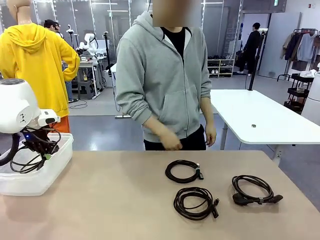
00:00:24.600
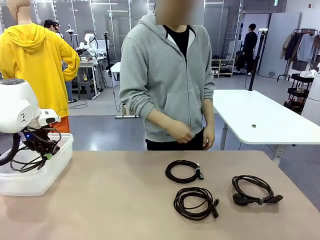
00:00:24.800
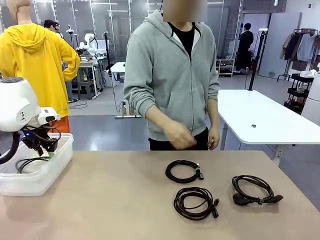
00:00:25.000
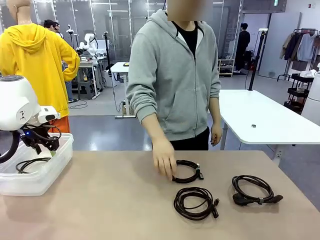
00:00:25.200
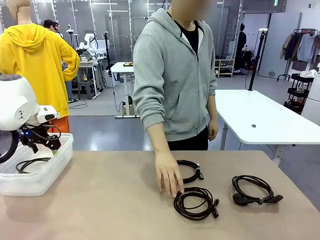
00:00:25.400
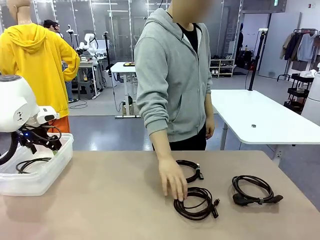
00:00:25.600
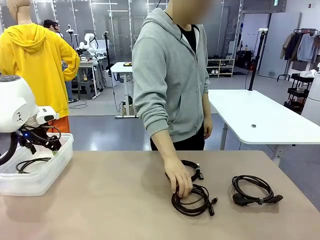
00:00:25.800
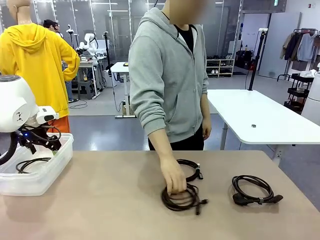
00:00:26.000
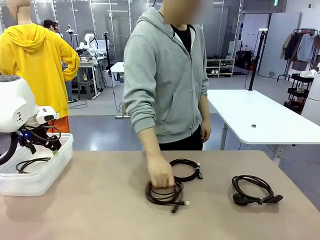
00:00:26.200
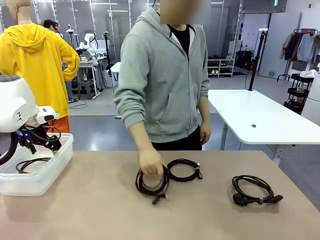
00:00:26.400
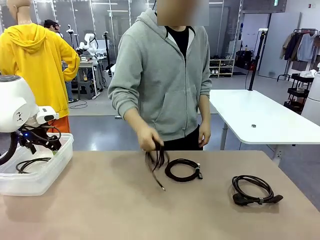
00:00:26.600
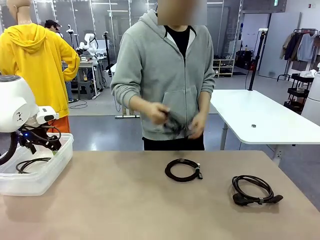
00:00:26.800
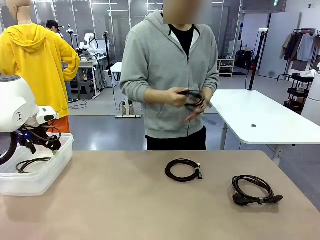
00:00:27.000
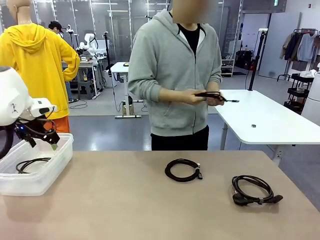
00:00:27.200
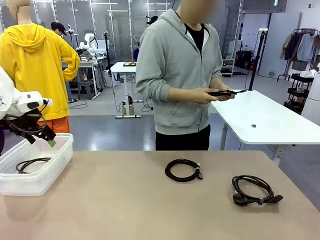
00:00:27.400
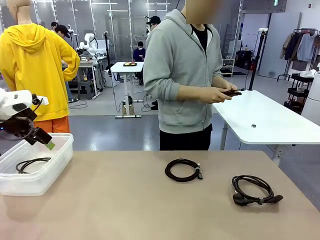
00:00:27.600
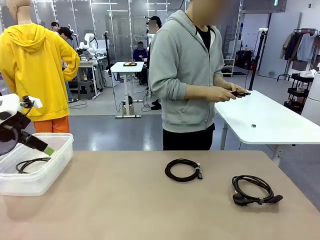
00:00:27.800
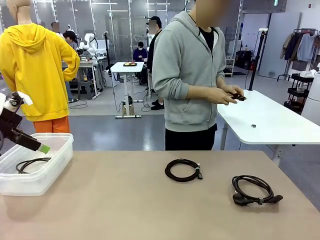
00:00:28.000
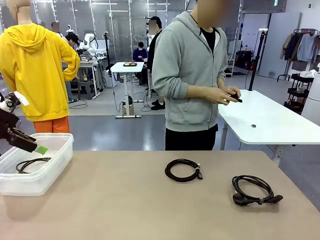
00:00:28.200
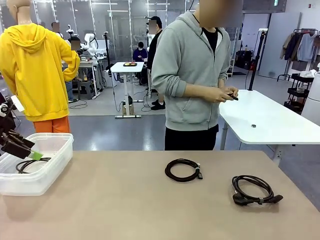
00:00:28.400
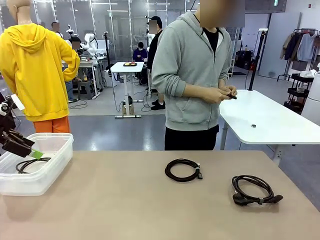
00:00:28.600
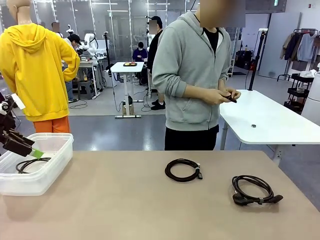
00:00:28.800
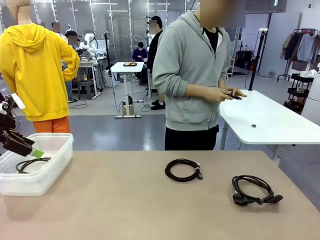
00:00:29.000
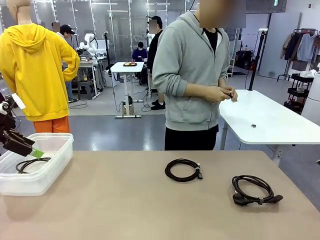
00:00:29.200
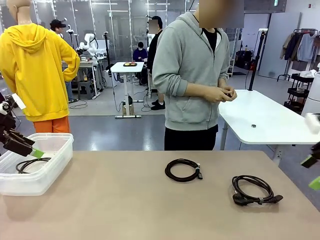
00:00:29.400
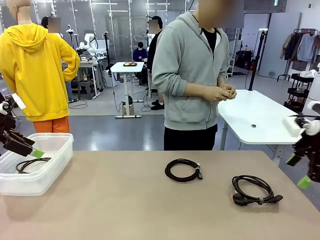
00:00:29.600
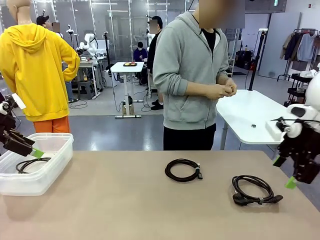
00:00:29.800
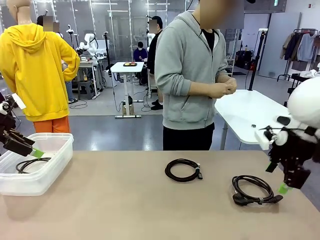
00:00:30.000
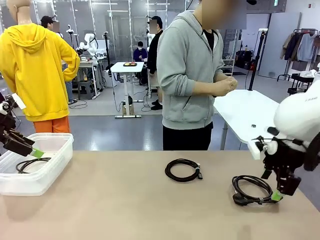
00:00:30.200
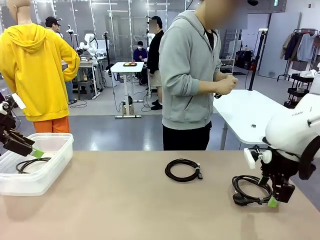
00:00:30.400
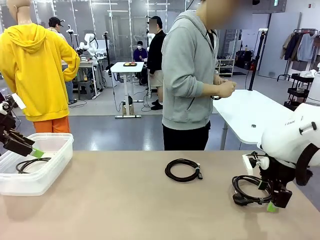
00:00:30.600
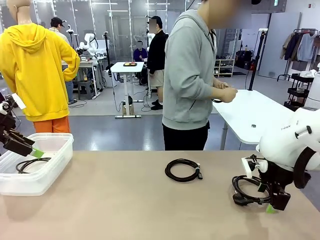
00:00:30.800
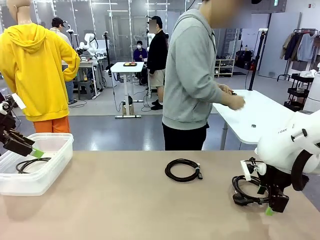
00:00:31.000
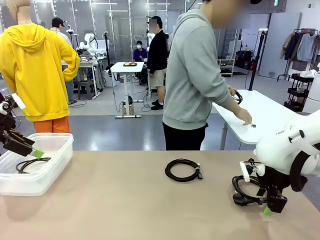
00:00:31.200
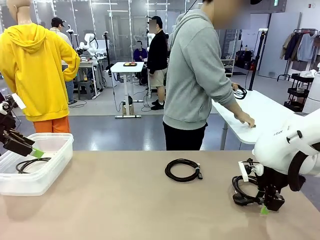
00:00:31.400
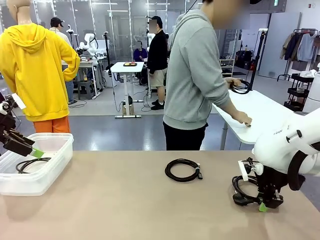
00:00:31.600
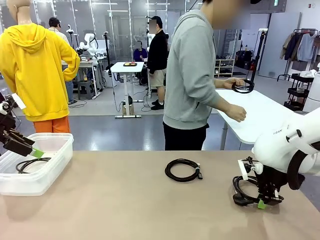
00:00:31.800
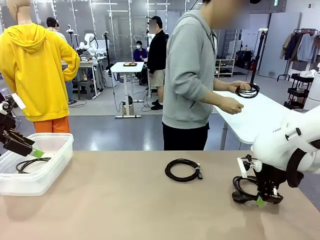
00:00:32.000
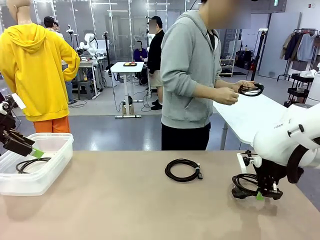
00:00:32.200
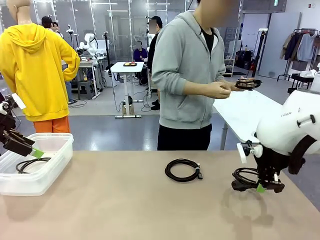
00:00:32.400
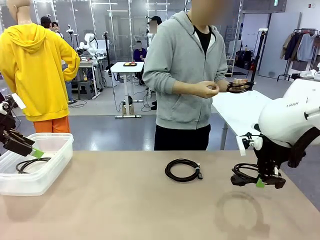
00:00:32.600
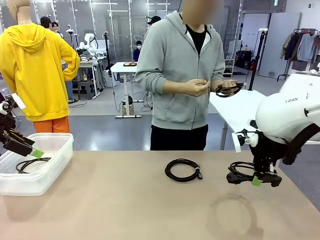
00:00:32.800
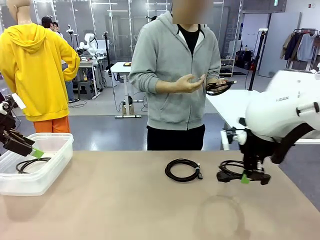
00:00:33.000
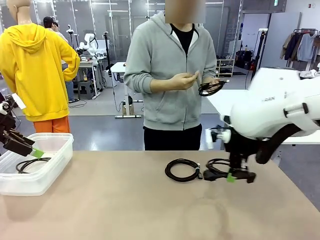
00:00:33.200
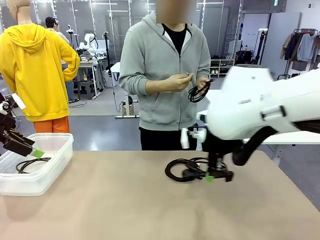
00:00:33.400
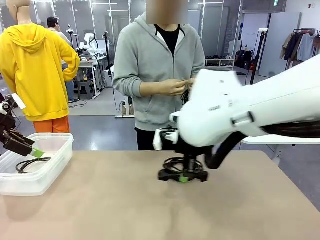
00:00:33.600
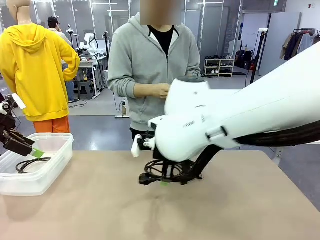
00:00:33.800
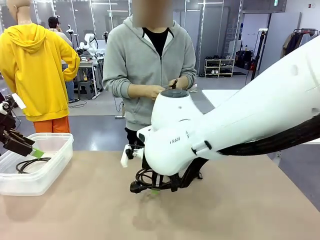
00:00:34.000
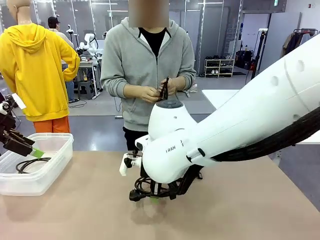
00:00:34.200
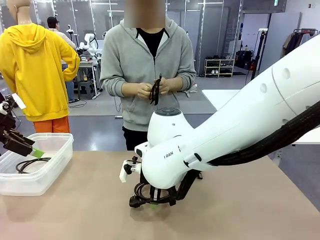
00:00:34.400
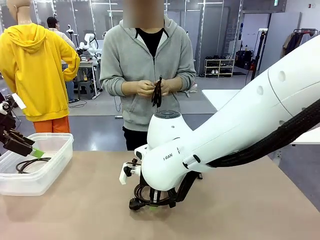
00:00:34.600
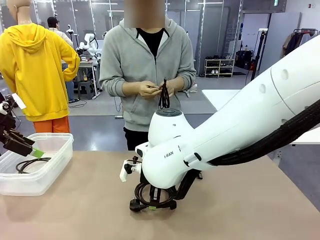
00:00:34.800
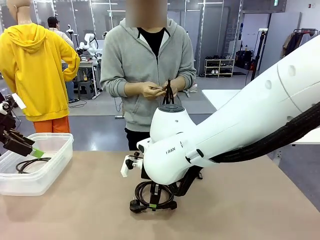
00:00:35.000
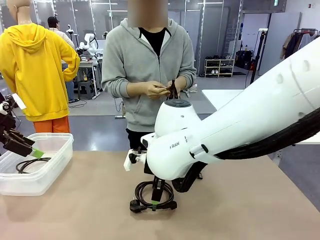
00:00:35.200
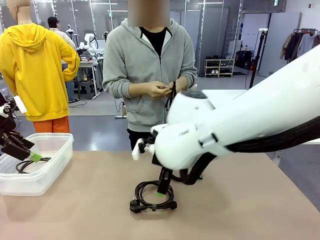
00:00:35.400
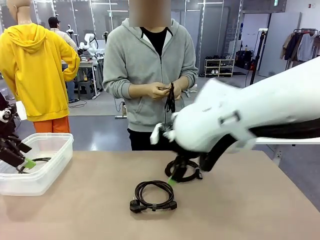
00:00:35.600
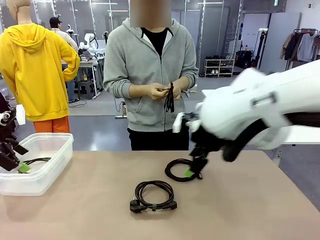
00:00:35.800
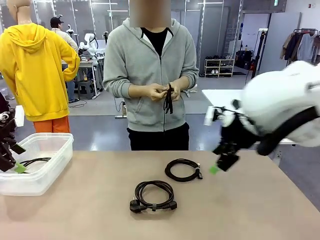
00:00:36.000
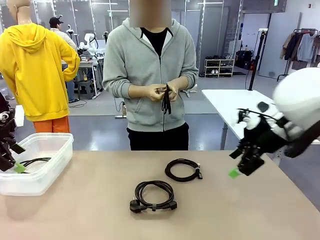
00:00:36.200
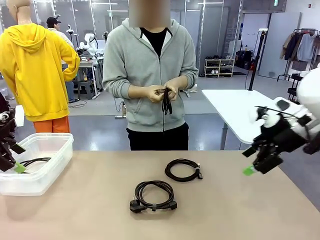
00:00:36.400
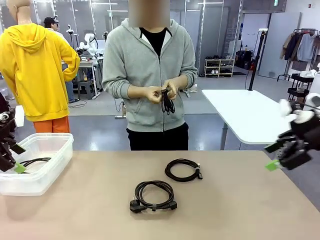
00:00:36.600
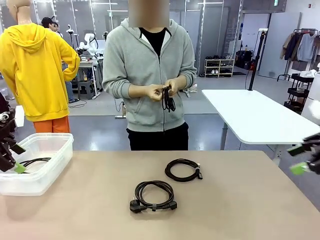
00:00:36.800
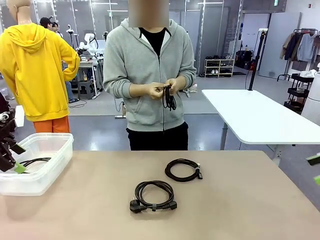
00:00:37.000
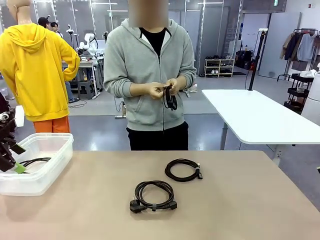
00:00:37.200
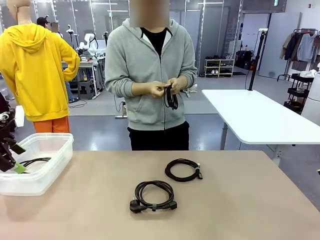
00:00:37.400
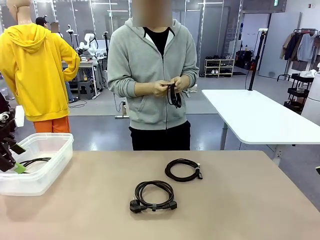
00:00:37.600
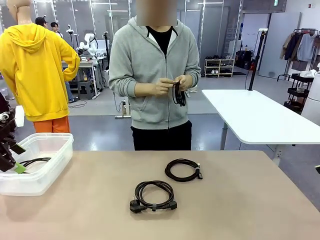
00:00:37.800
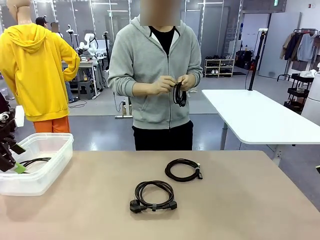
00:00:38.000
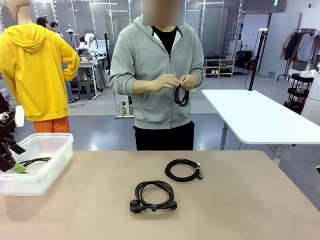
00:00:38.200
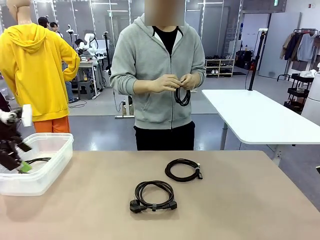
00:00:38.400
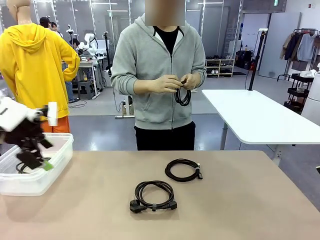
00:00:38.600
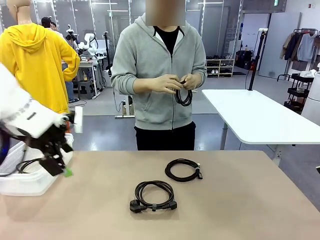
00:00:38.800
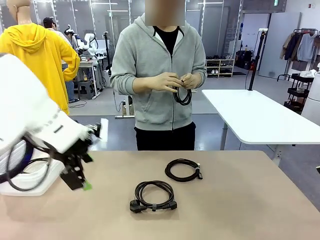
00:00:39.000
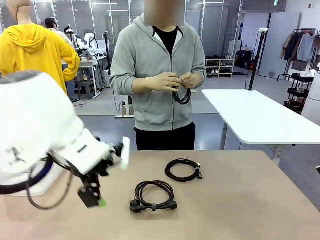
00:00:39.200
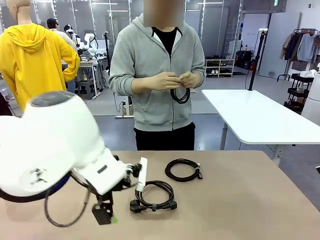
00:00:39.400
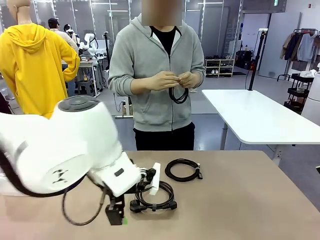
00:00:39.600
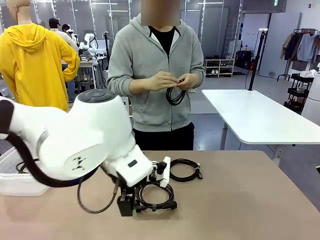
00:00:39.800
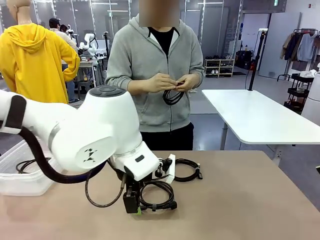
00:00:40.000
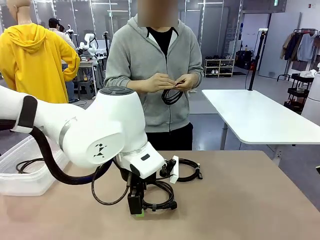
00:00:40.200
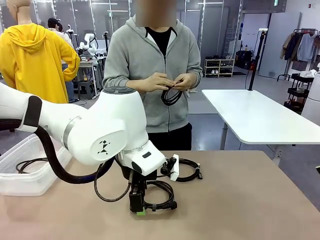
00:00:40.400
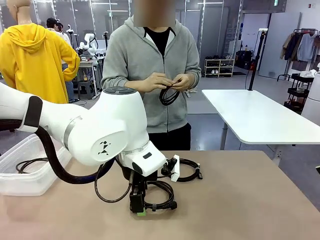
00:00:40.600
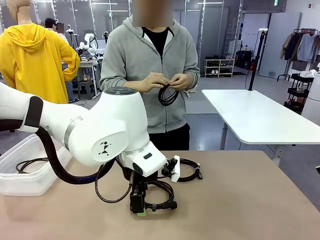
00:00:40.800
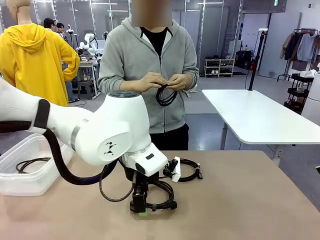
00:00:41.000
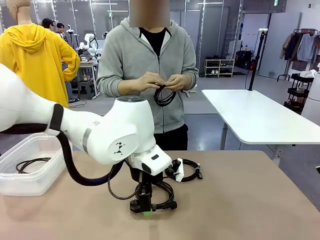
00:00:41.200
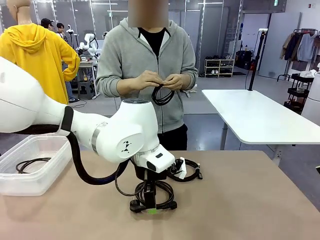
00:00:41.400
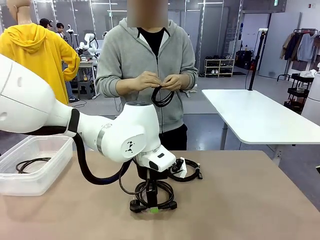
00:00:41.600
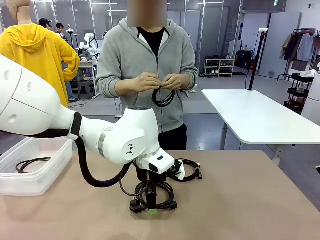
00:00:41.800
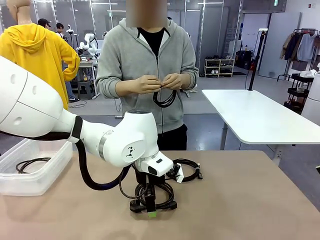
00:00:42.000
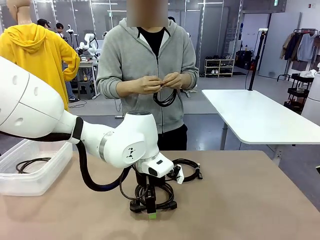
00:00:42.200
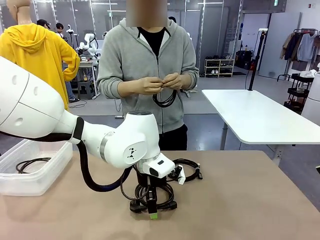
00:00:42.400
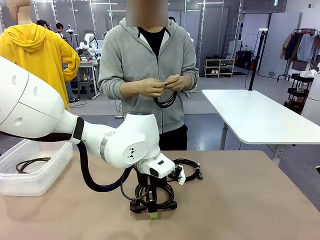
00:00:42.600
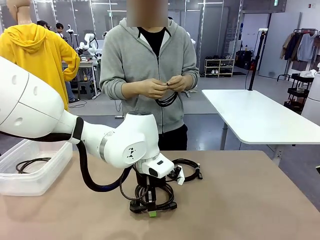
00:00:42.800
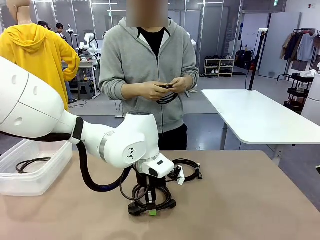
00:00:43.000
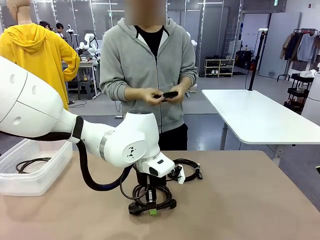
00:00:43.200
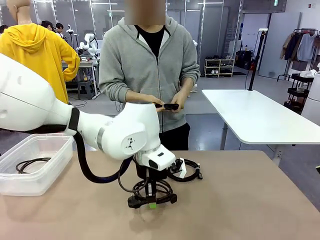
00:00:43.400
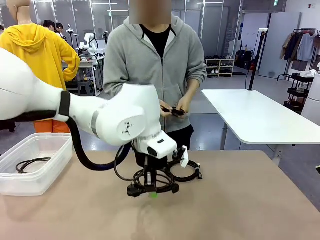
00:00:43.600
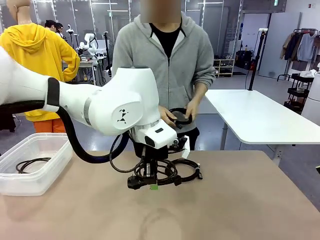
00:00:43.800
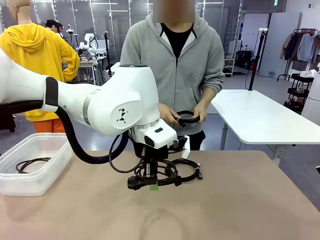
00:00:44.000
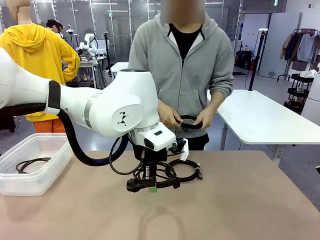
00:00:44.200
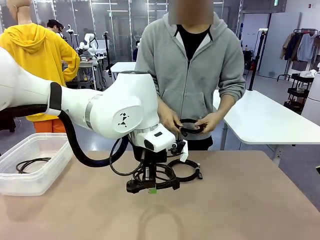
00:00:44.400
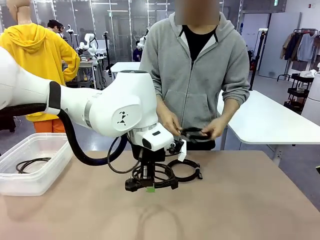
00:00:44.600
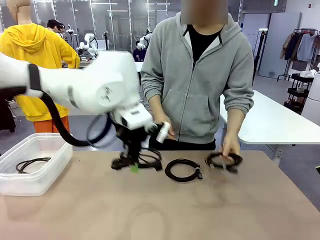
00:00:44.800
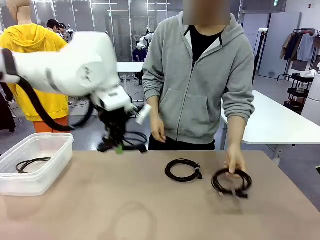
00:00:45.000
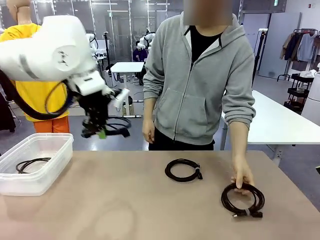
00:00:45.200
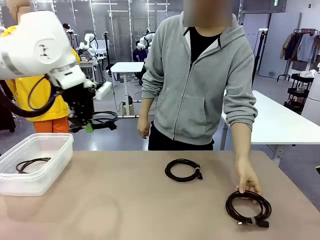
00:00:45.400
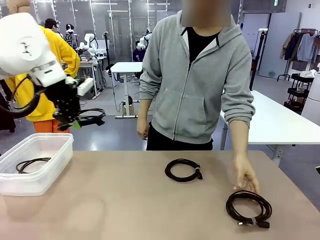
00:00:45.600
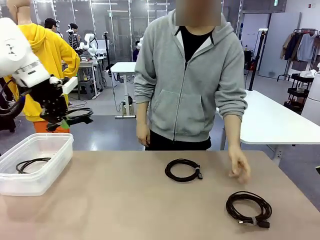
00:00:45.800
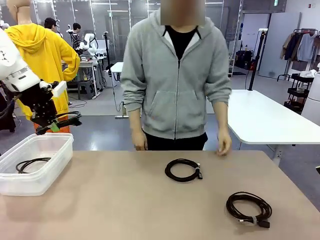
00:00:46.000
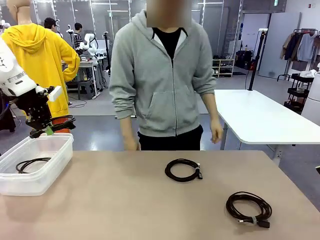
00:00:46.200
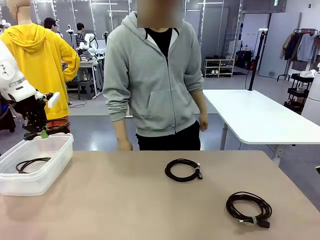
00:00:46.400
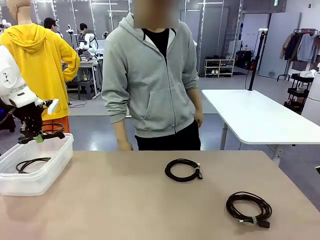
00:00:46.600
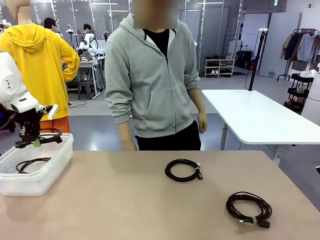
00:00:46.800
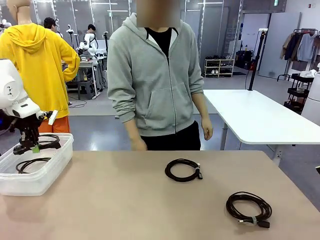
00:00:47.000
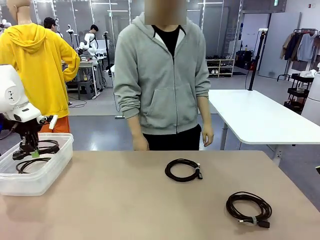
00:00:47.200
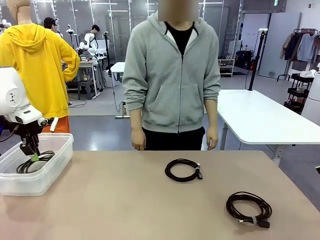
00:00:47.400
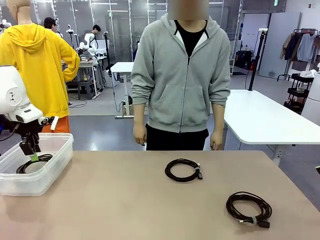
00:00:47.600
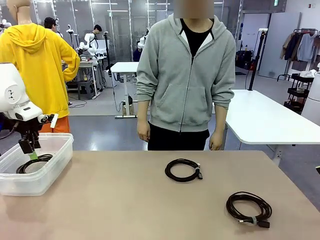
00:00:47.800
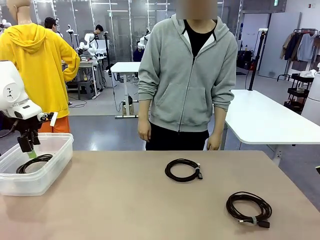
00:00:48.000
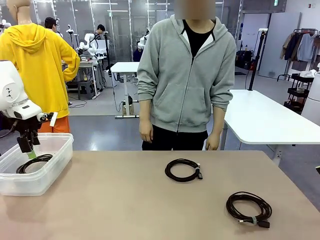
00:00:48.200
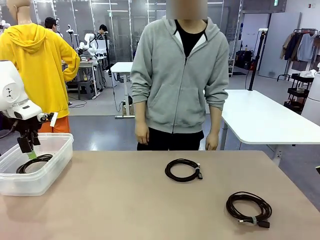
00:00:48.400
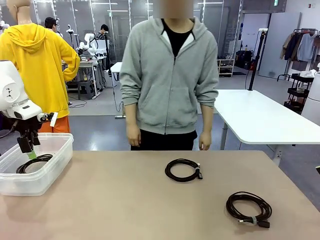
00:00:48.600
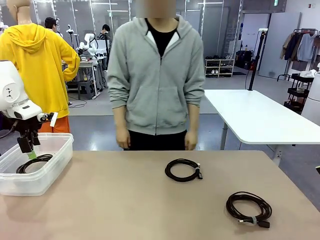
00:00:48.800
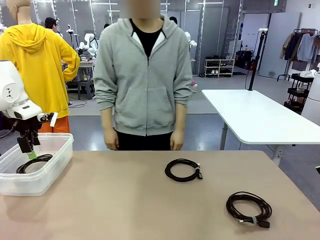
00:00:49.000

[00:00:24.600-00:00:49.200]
Task: Organize and store the cables.
Robot: Place the Power Cable into the Organizing box.
